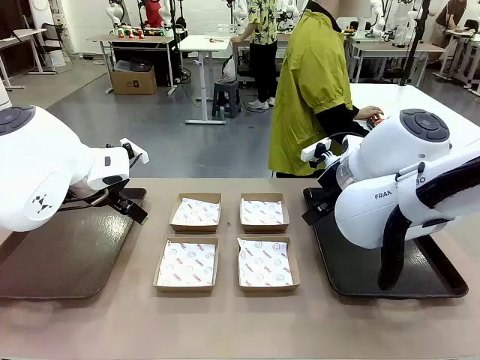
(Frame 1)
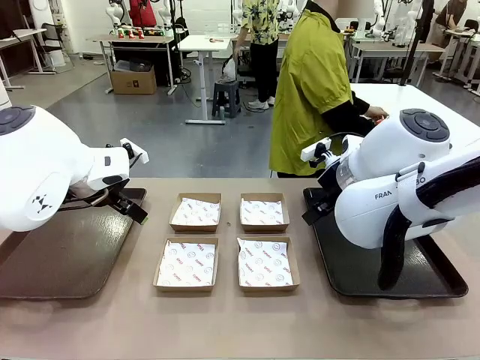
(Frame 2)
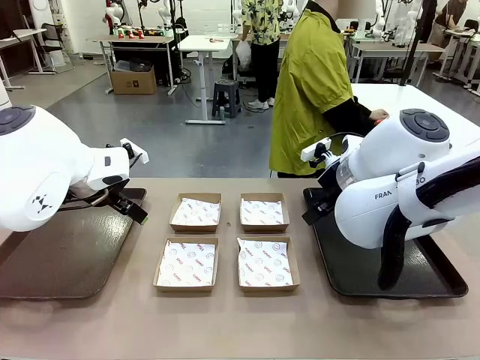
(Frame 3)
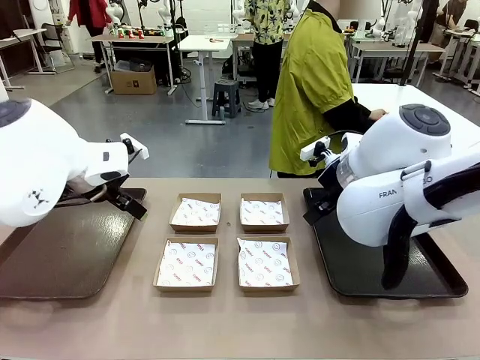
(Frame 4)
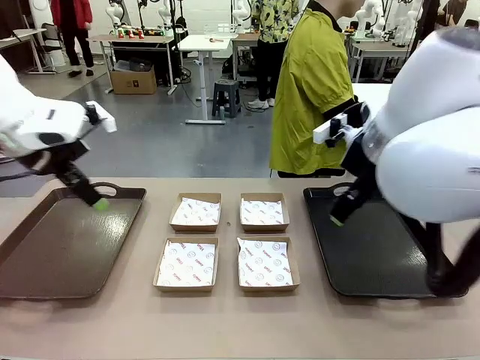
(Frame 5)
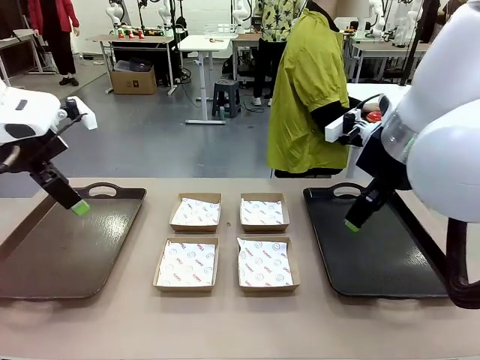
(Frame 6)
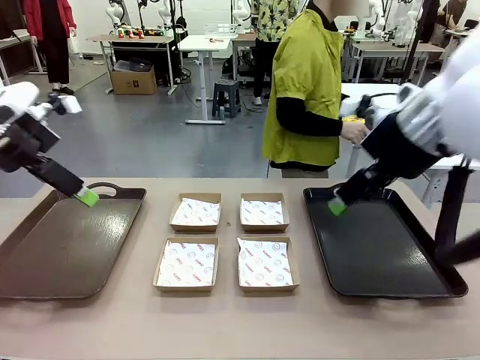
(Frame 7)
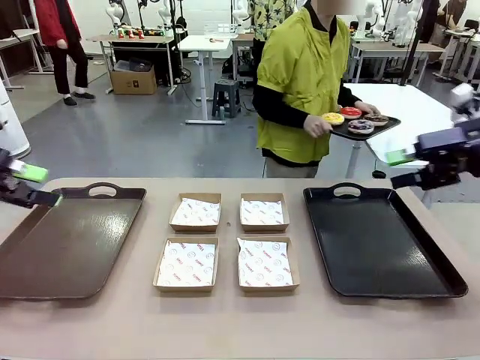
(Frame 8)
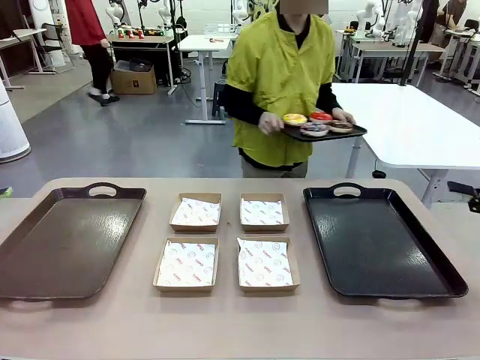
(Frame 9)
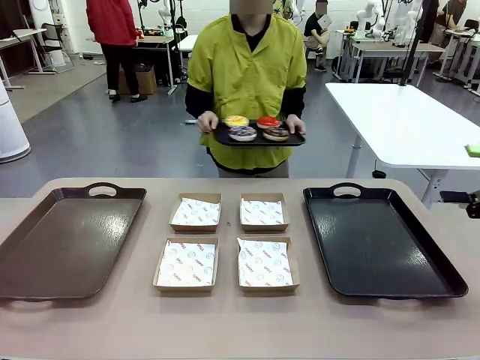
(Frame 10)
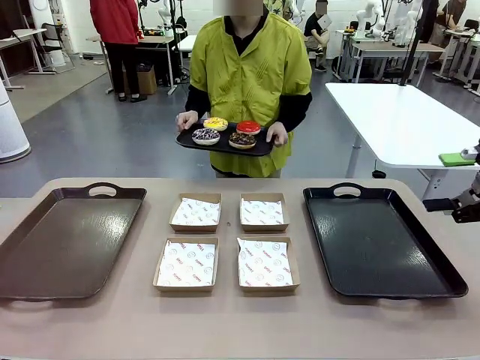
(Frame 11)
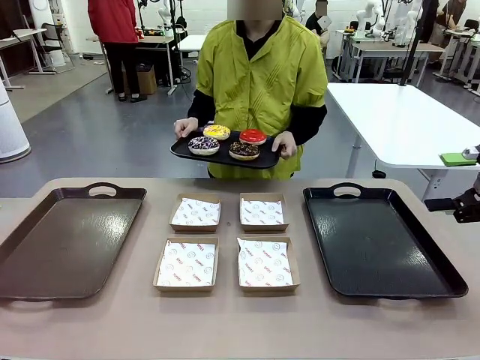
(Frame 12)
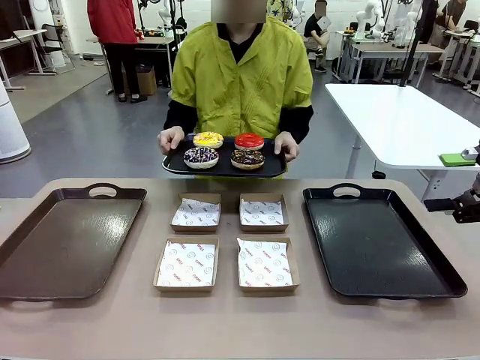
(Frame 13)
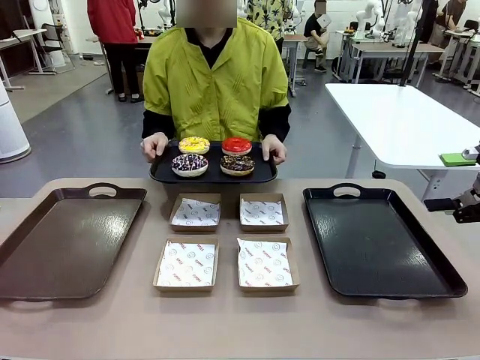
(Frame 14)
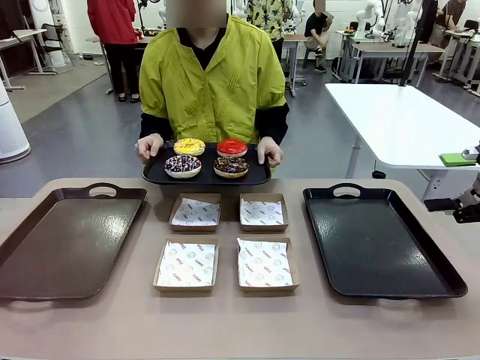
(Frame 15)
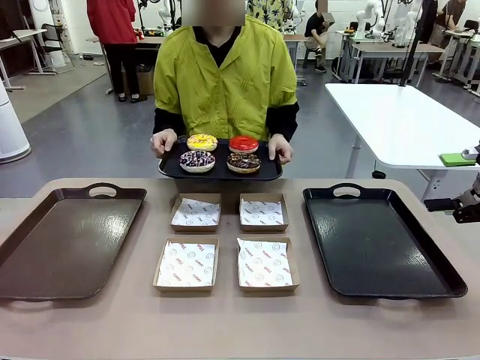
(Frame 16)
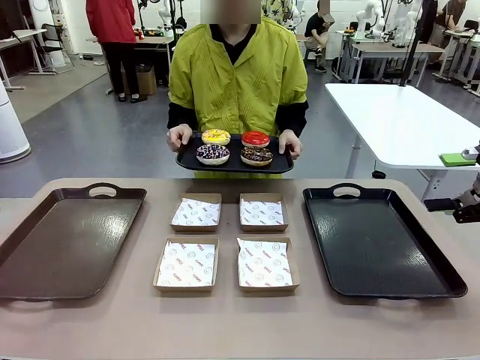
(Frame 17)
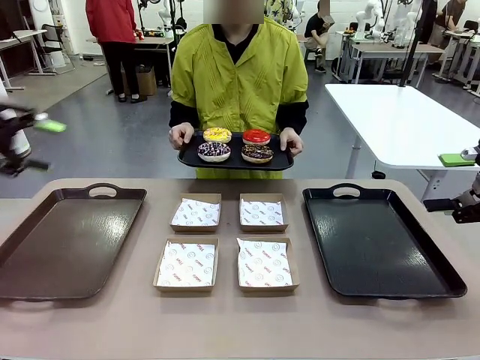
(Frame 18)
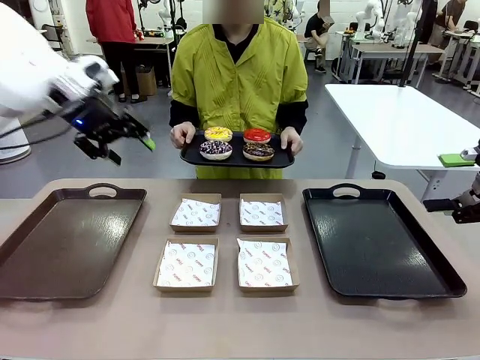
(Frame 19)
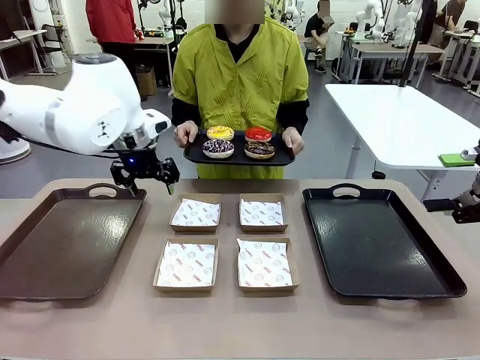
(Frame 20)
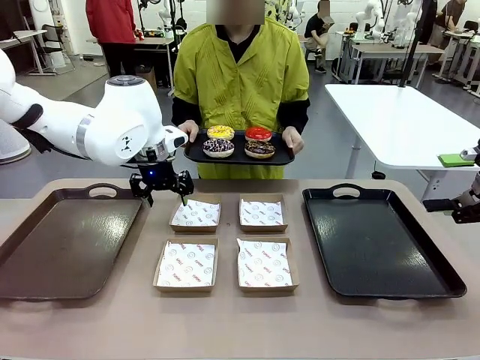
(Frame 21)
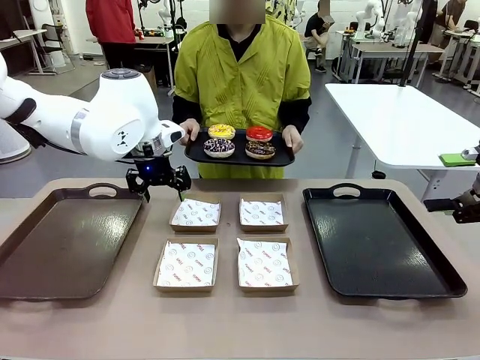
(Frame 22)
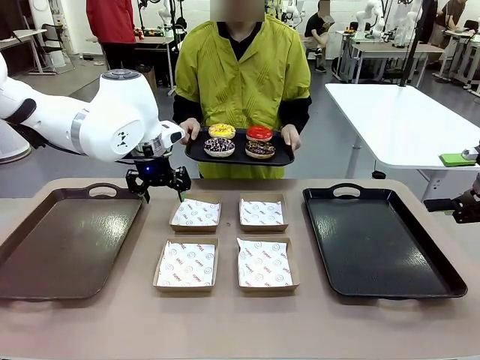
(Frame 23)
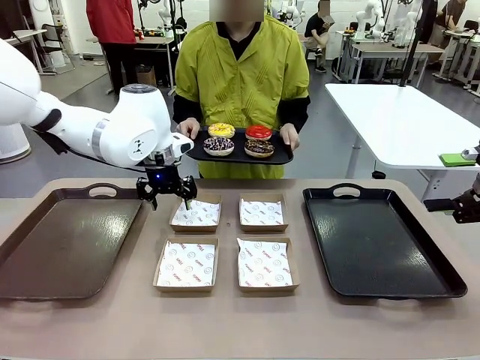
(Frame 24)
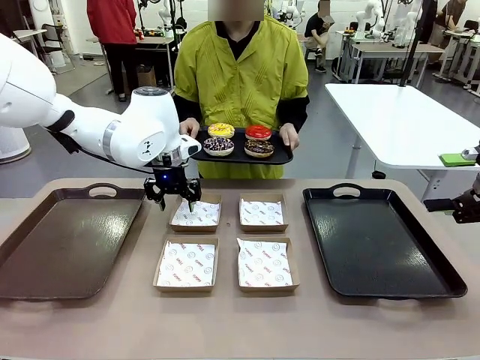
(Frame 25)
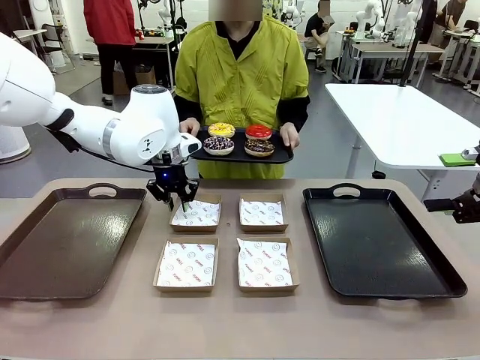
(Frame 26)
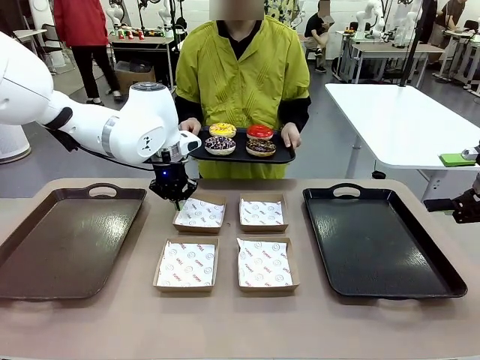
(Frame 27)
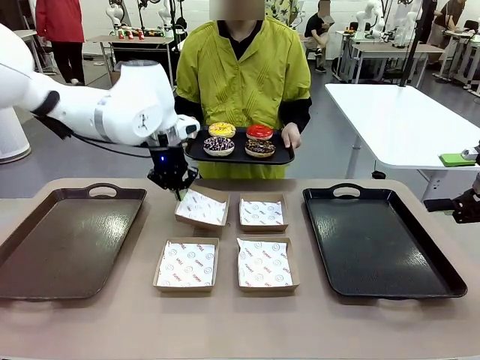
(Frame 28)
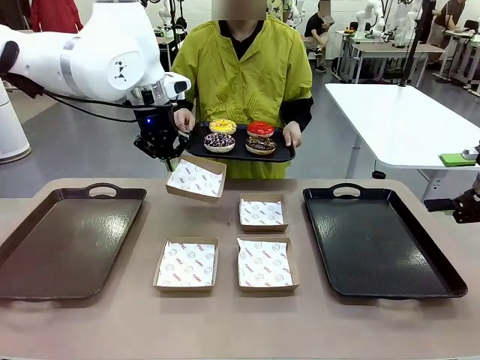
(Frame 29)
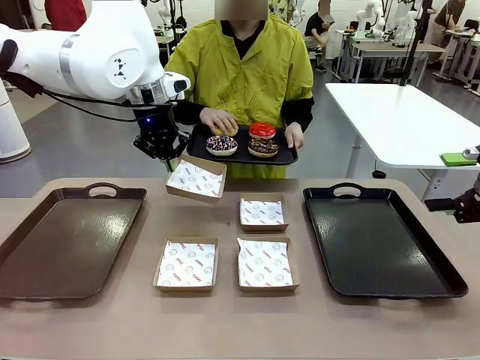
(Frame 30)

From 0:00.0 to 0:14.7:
Task: Individually package the donuts and arrange them on the tray.
Robot: Pick up one Paper togo box.
Person: Stand in front of the robot table holding the tray containing the donuts.

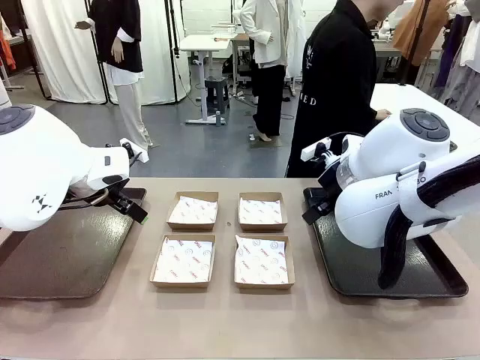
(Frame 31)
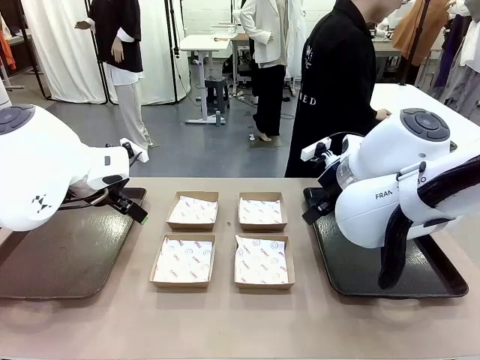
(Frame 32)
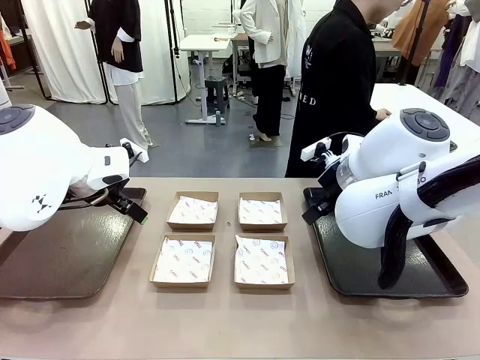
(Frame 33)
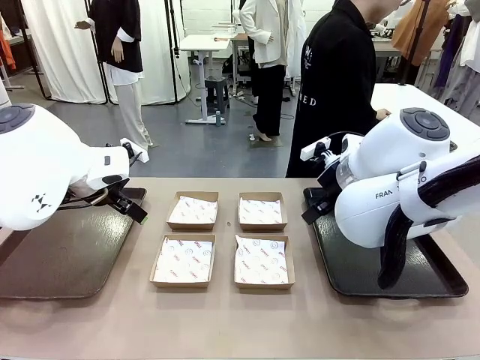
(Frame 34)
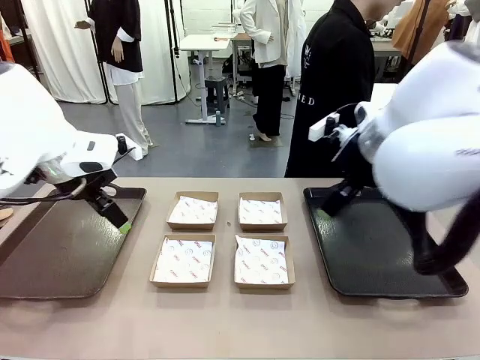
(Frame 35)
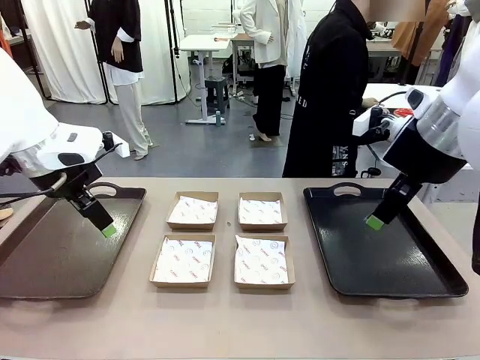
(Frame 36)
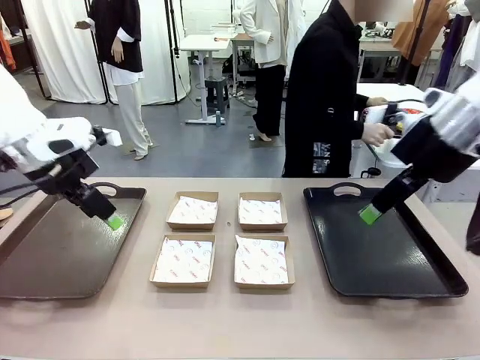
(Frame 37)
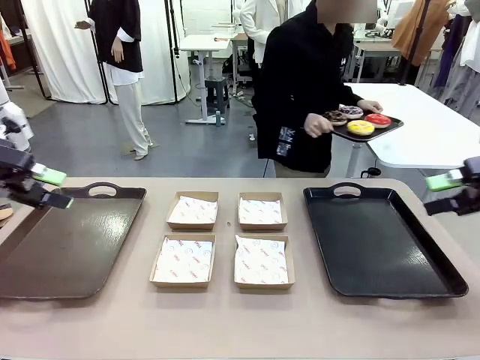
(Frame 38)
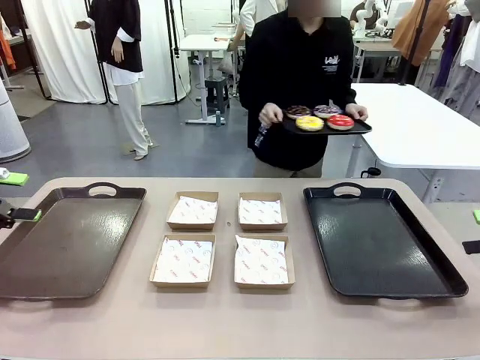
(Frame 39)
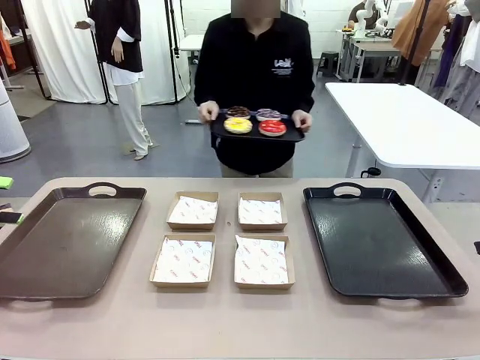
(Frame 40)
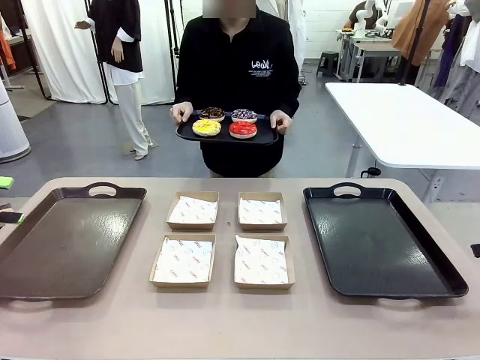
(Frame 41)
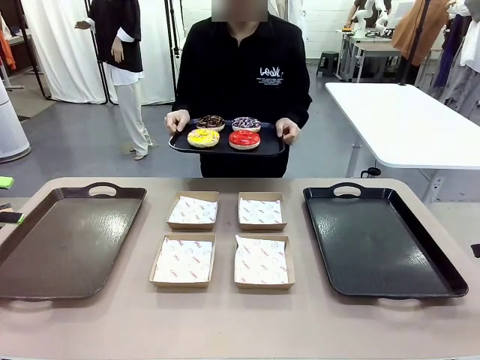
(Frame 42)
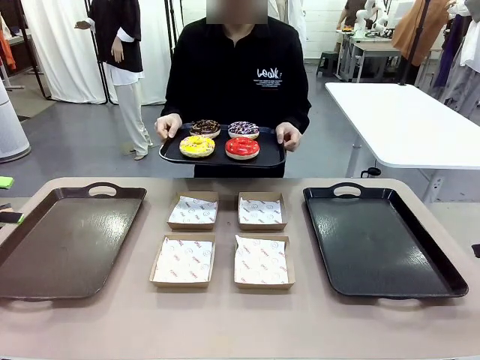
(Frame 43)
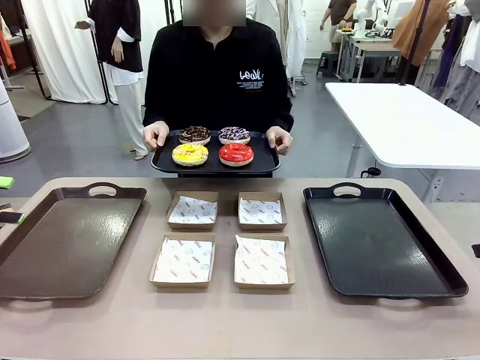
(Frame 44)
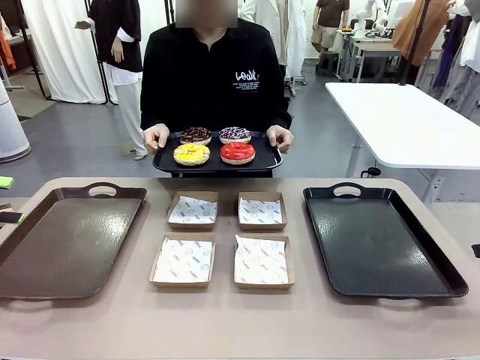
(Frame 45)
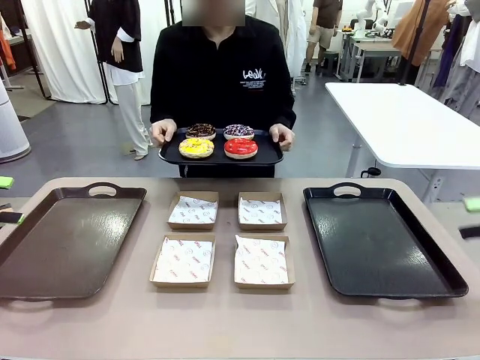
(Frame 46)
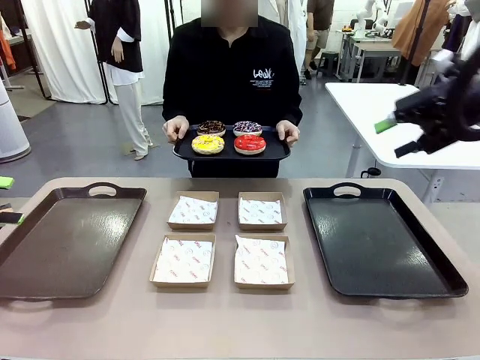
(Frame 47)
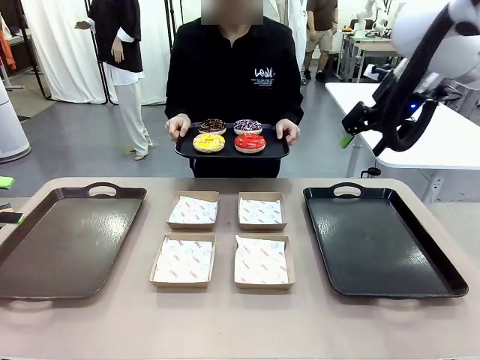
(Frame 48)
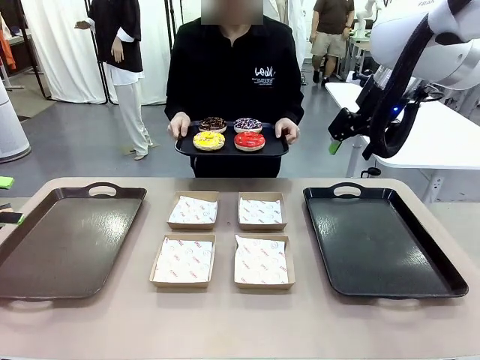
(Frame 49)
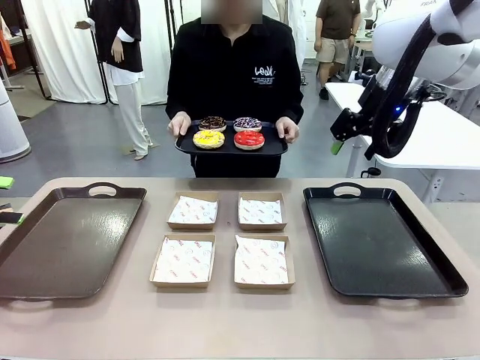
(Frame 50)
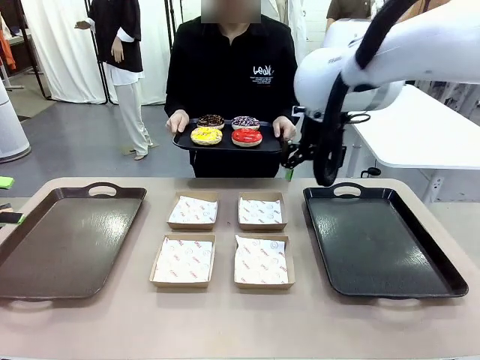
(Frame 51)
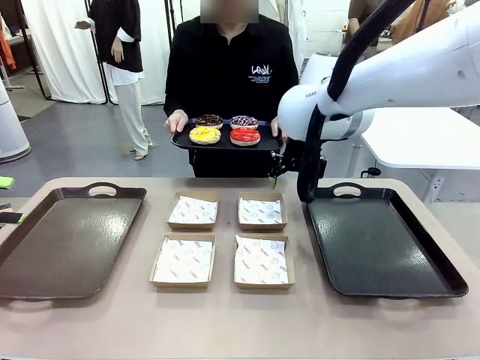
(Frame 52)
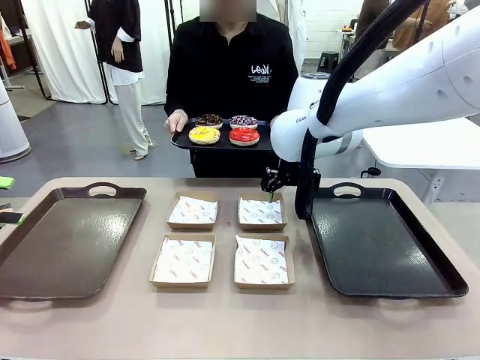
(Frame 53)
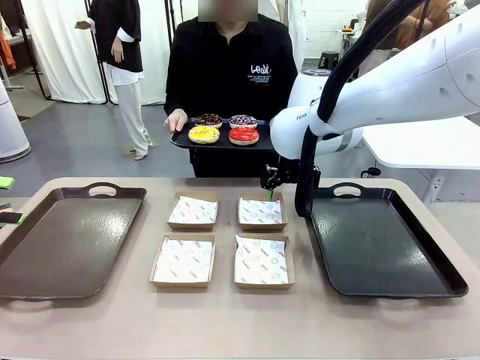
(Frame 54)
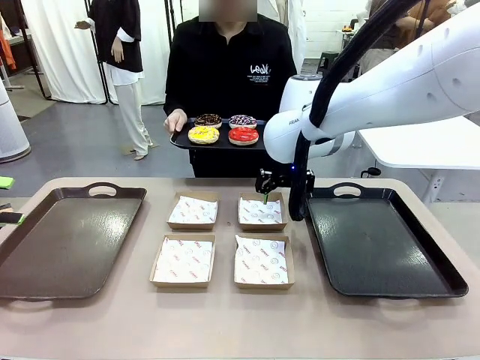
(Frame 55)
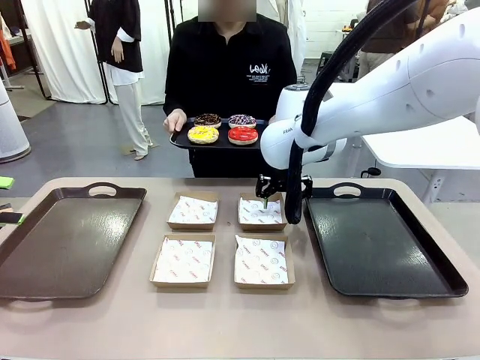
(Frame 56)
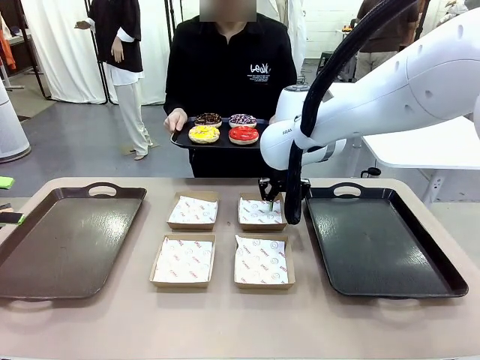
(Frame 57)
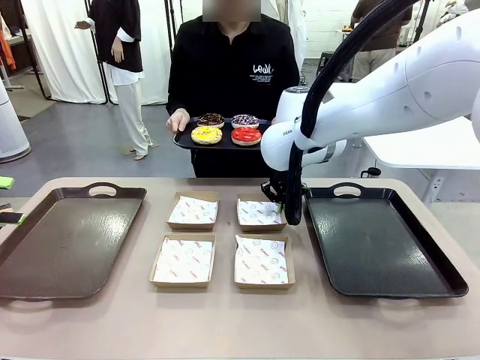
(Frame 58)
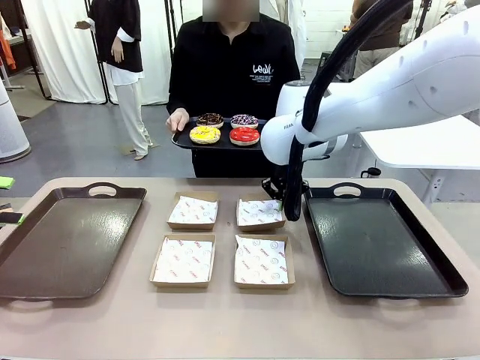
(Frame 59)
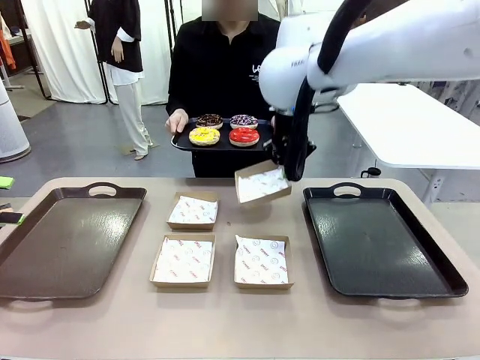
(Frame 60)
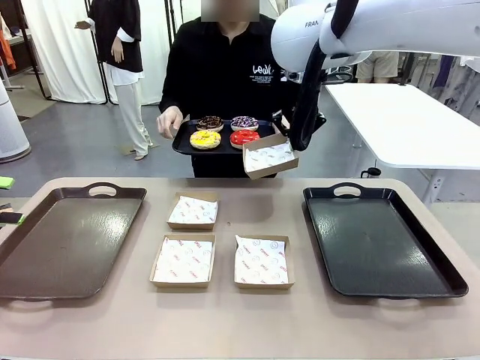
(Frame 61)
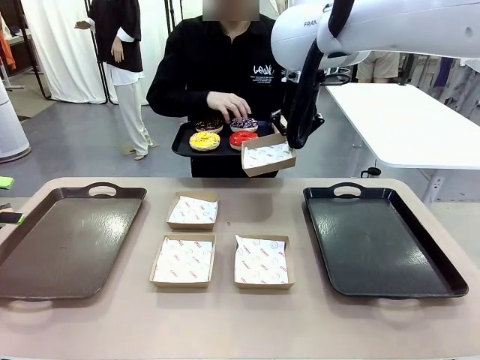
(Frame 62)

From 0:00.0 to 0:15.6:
Task: Individually package the donuts and arrange them on the tray.
Robot: Pick up one Paper togo box.
Person: Stand in front of the robot table holding the tray containing the donuts.
